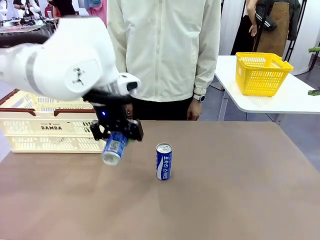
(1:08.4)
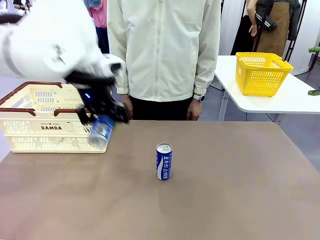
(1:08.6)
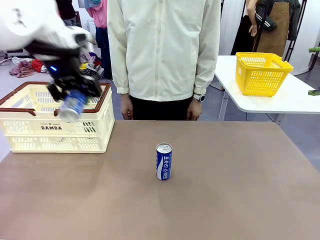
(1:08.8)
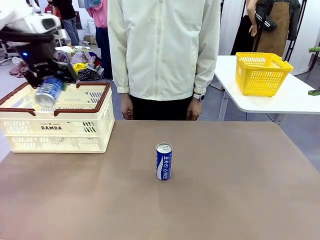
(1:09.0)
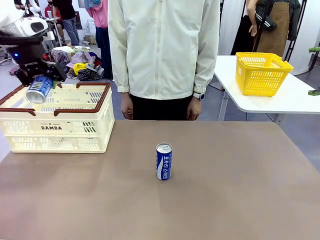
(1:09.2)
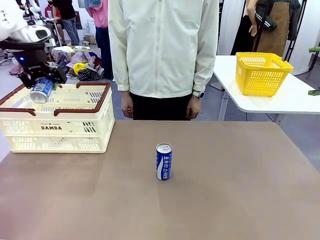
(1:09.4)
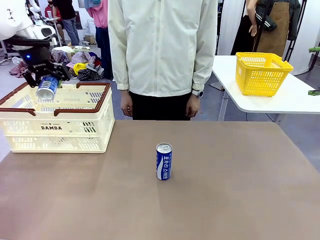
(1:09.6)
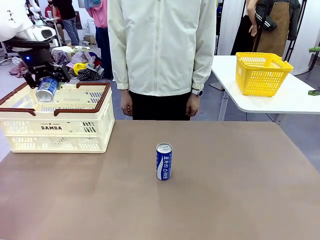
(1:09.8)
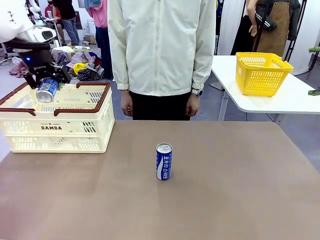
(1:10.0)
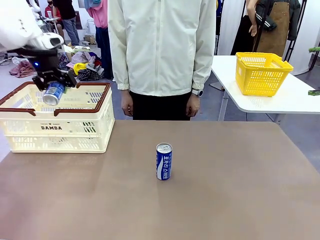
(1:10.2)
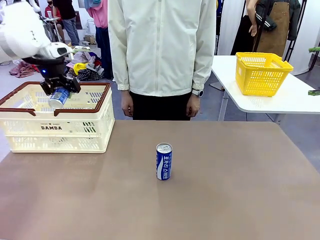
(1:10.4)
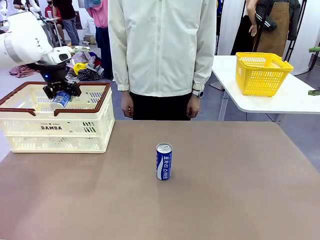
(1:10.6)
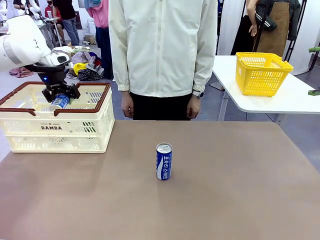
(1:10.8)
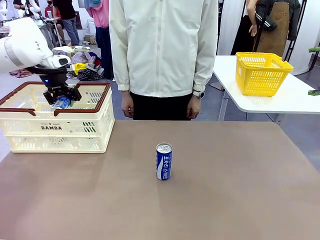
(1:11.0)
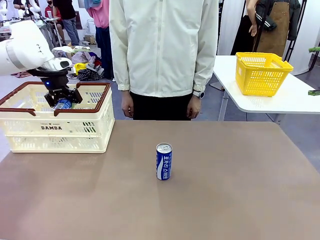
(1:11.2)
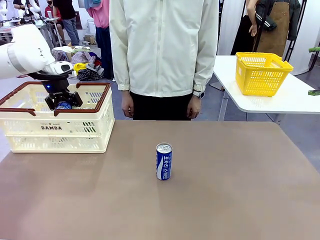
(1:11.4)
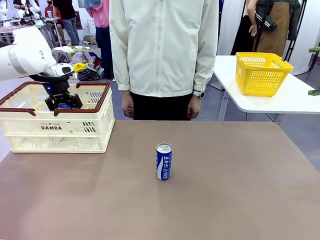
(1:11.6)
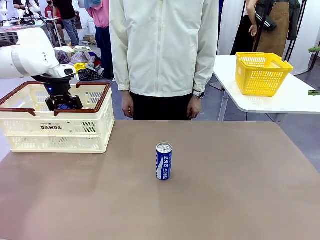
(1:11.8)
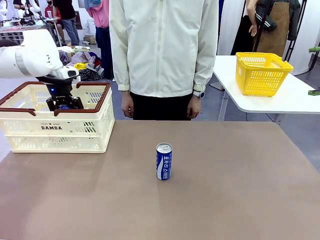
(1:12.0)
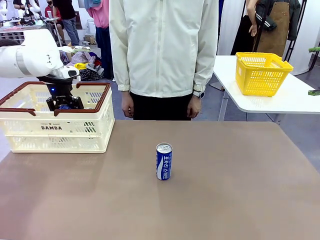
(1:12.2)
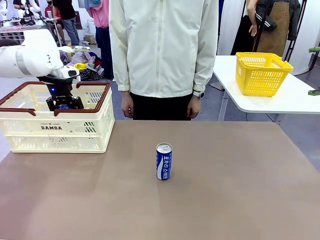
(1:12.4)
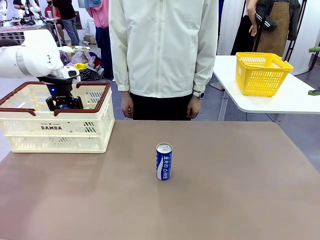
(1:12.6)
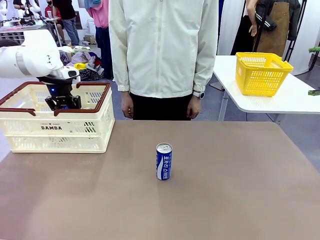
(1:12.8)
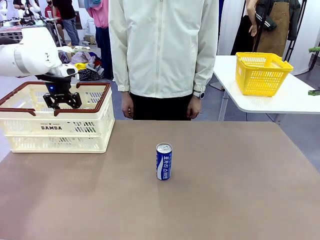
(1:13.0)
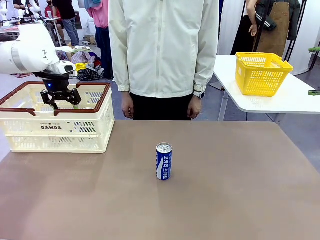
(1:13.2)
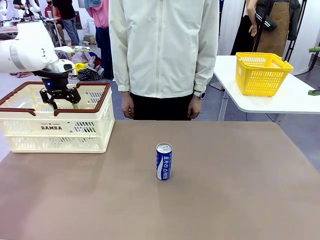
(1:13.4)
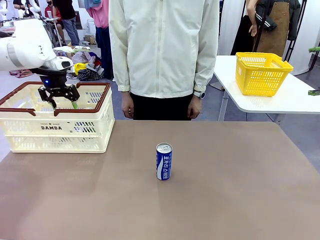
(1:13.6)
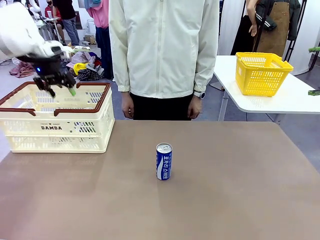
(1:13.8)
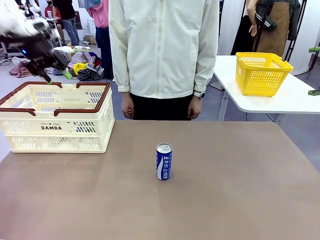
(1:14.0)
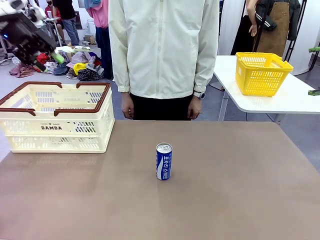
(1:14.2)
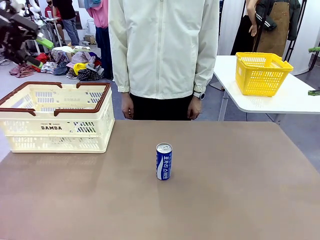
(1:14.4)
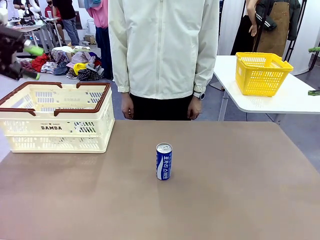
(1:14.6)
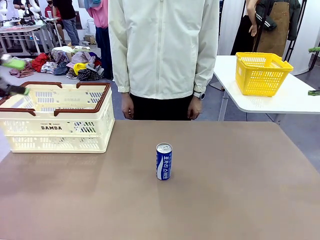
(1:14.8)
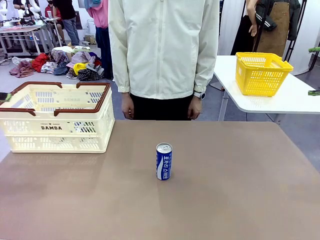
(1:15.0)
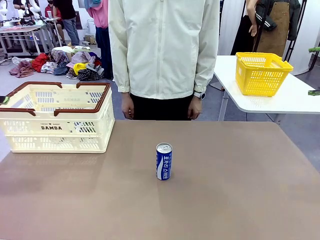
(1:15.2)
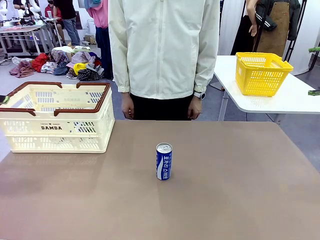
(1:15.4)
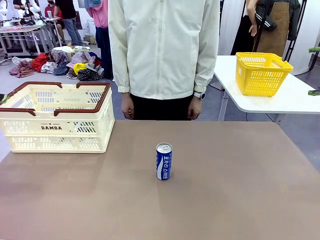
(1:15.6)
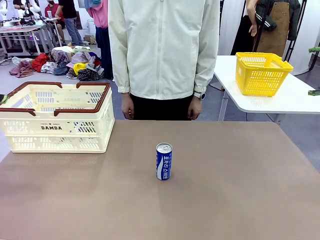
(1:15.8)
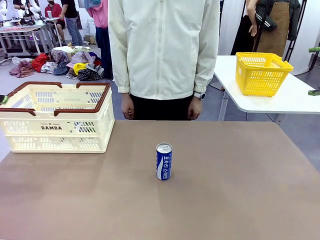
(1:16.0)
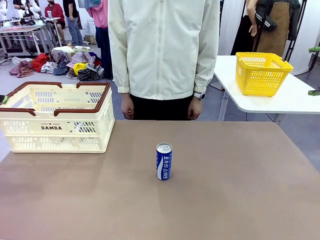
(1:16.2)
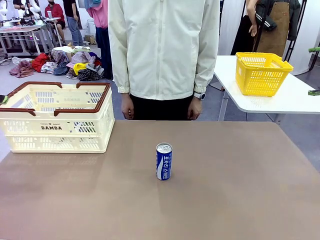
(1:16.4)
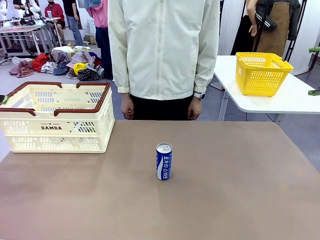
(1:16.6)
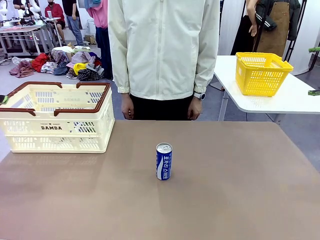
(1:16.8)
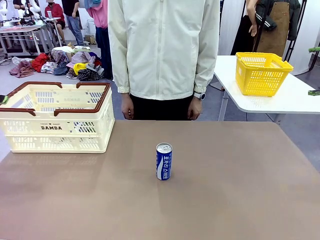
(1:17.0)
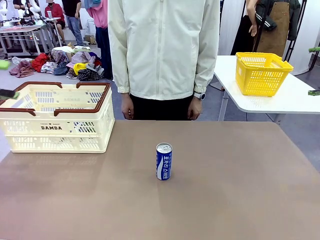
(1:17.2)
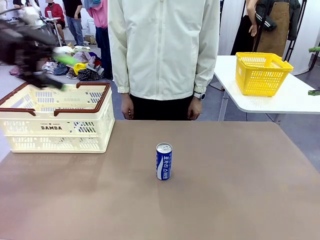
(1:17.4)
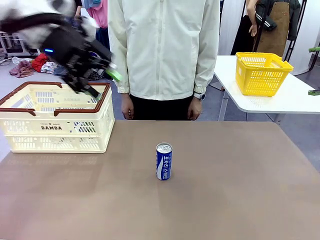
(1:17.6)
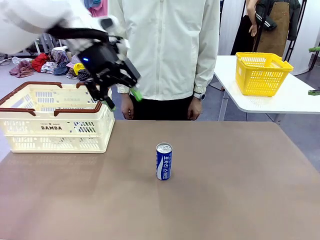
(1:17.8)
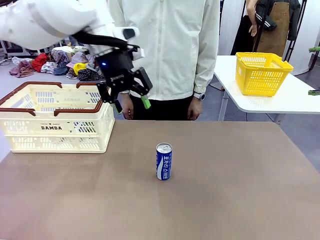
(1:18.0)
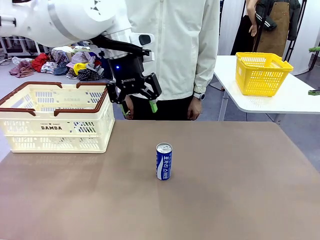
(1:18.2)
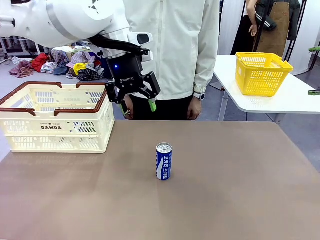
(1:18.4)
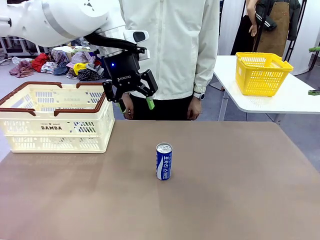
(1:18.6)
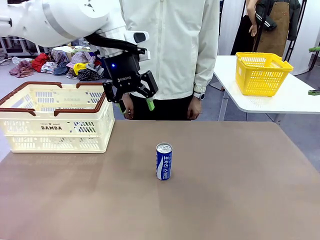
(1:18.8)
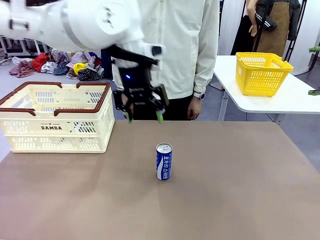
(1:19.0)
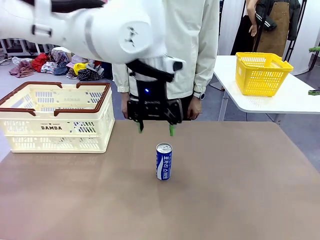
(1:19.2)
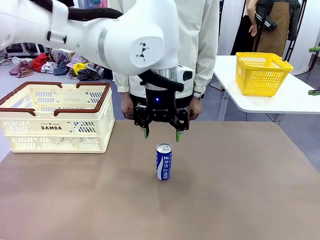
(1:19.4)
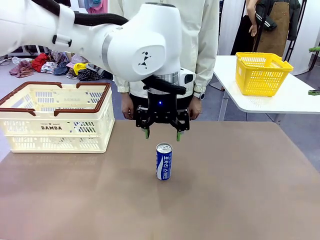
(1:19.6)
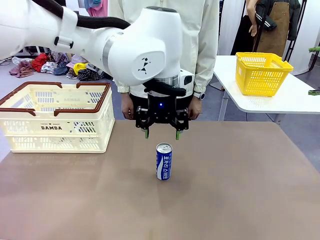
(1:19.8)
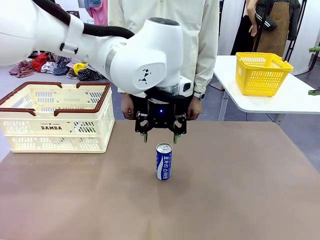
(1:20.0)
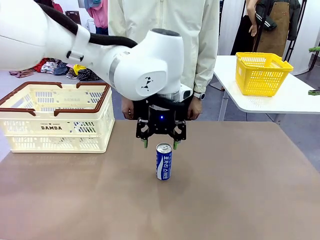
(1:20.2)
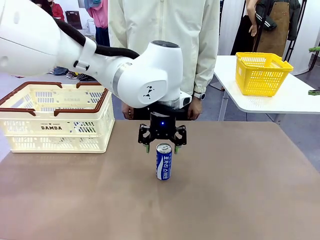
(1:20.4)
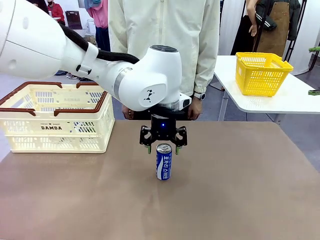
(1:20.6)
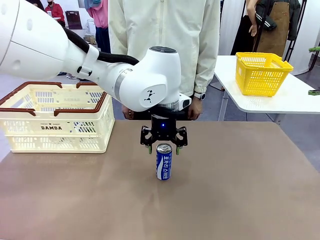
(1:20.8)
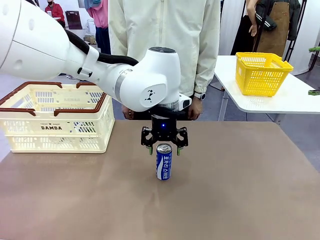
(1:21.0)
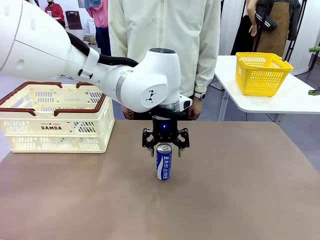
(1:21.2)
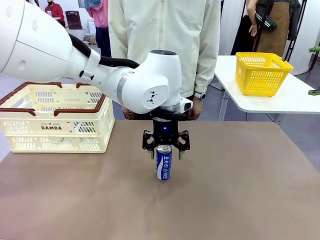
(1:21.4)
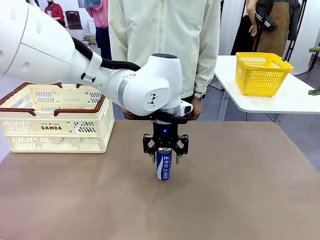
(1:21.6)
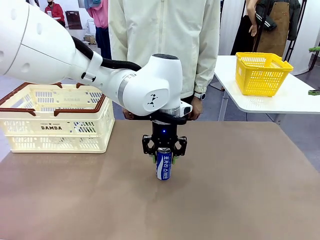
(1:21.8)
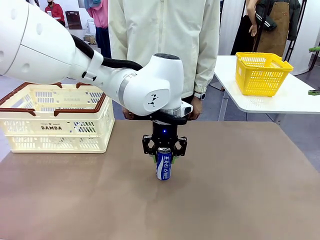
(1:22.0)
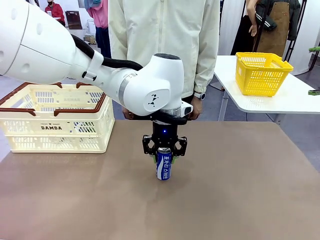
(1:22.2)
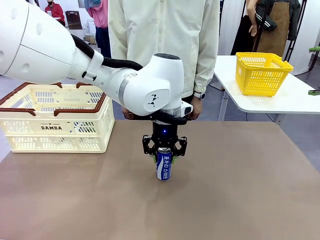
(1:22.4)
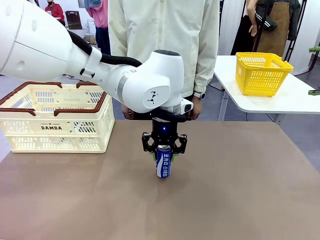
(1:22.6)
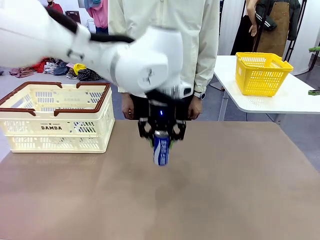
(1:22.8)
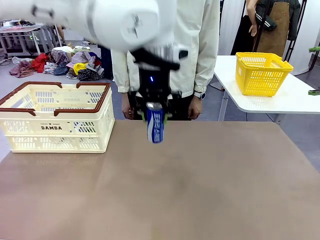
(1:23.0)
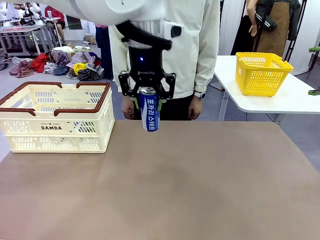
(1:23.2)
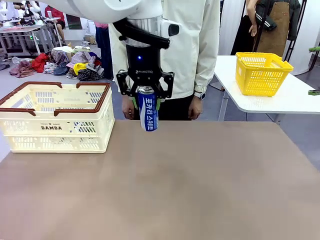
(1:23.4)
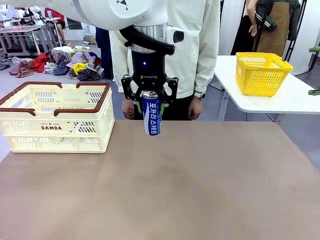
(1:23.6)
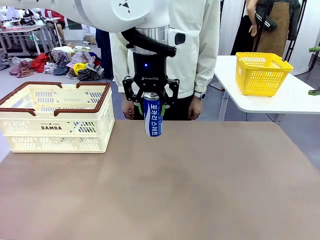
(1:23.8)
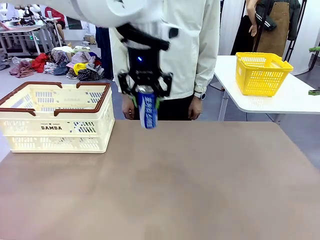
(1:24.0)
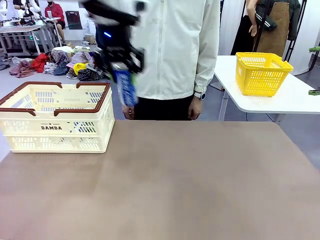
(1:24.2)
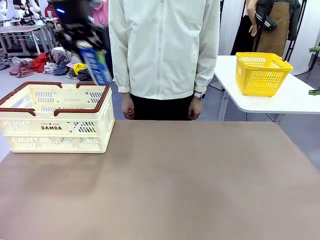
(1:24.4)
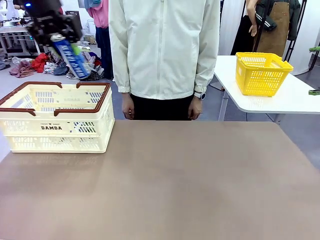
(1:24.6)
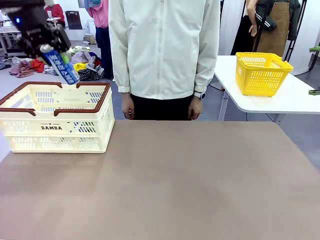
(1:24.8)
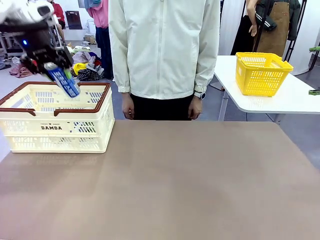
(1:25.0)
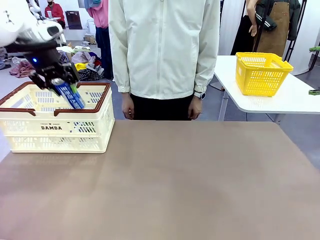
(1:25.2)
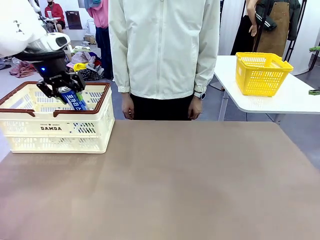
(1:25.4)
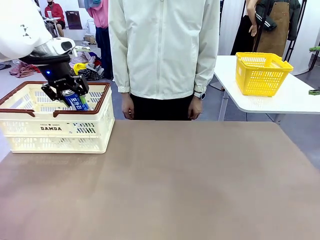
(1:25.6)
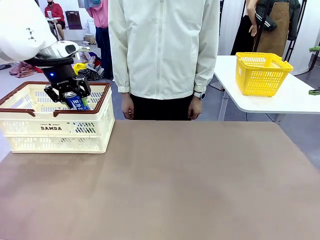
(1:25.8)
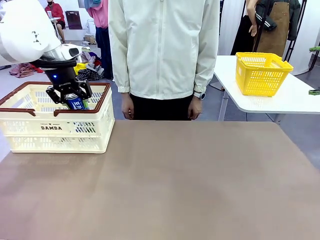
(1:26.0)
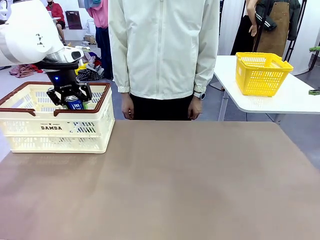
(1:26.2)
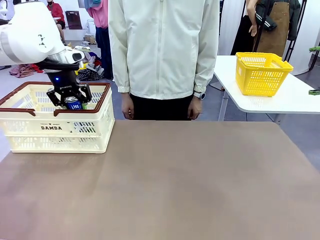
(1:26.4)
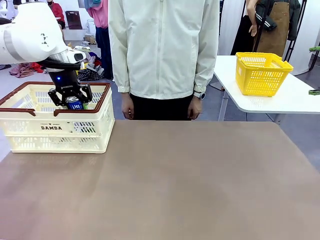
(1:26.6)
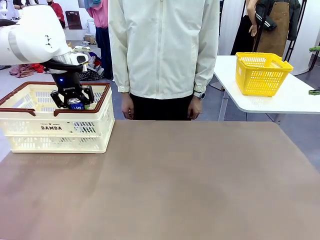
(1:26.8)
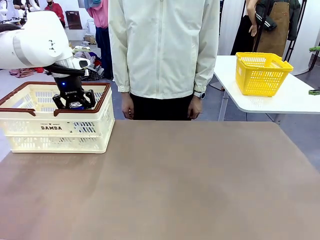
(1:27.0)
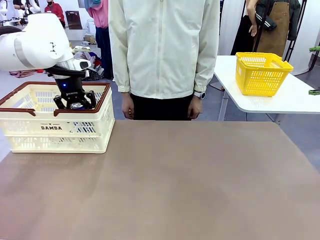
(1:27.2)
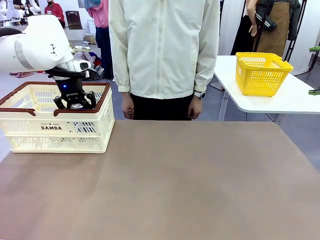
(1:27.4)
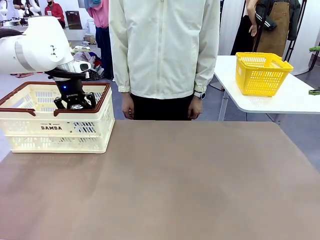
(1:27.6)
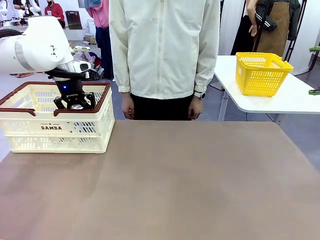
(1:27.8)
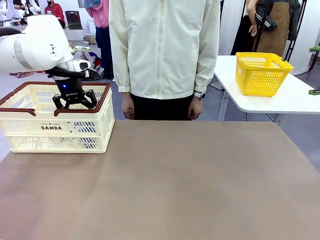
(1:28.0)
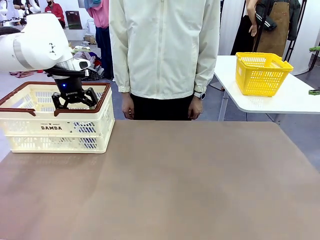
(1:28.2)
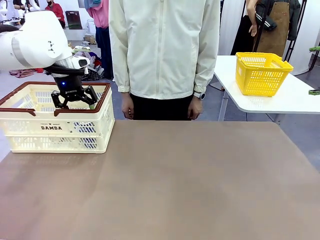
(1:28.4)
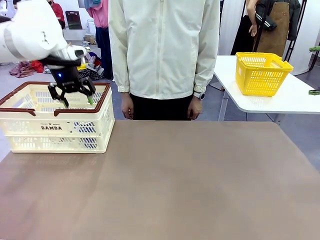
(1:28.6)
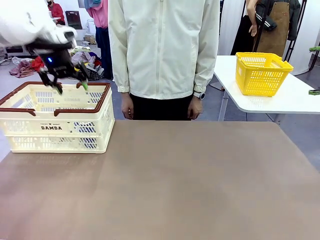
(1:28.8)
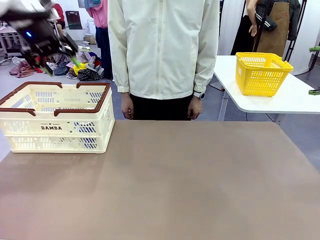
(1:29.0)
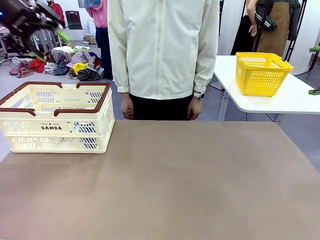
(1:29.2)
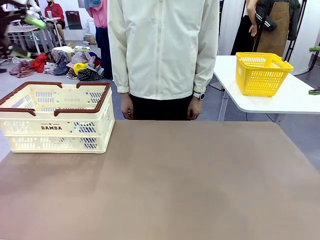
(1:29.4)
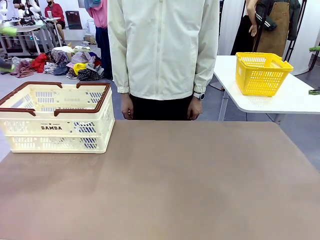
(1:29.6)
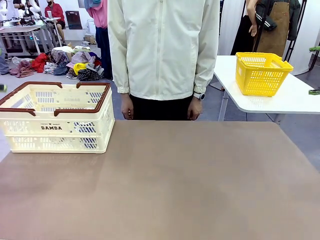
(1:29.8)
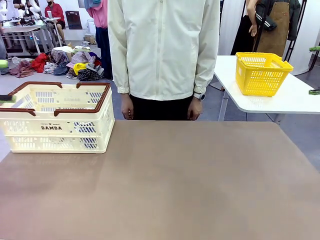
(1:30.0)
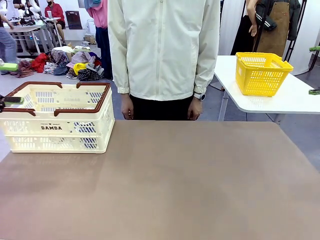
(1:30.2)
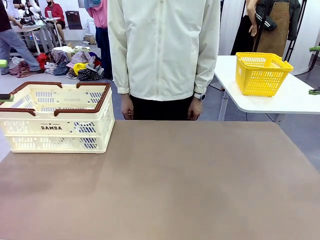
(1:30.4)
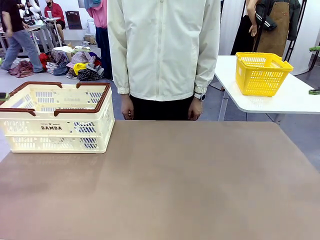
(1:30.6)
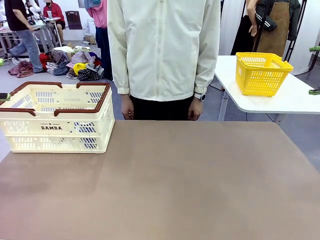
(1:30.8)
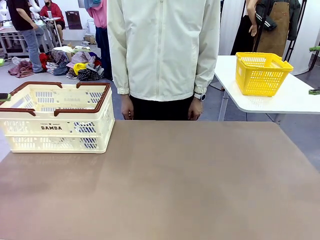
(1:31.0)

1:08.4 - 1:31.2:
Task: Place the drinks into the Shopping basket.
Robot: Pick up one drink and place it into the Shopping basket.
